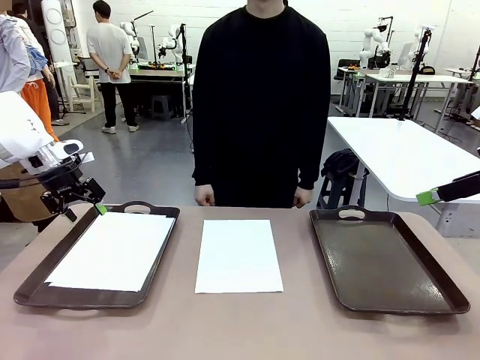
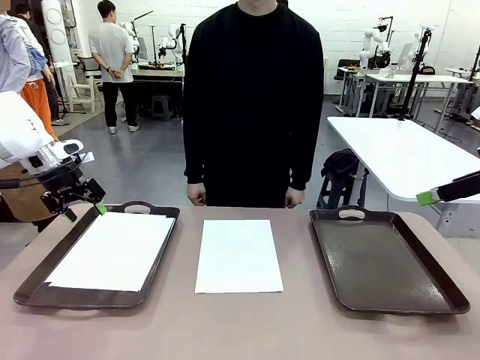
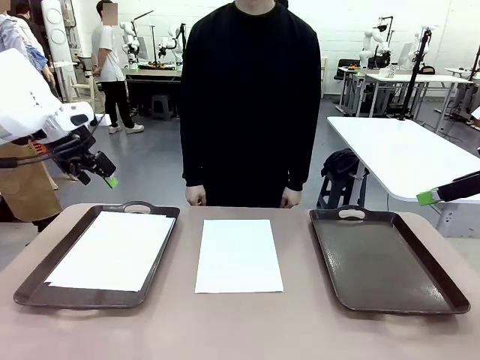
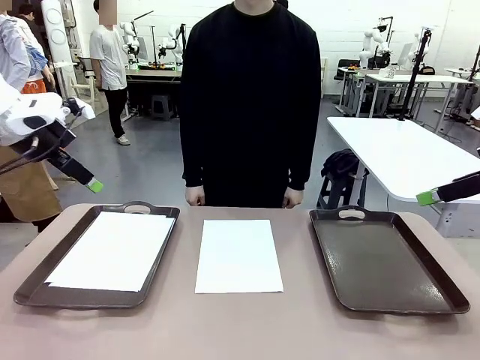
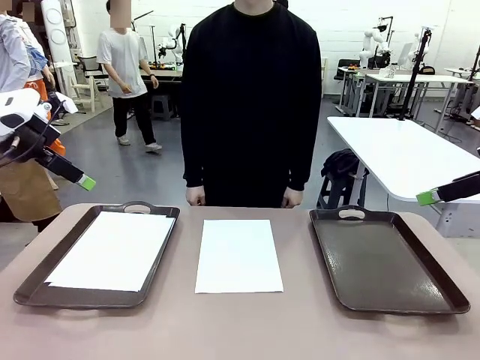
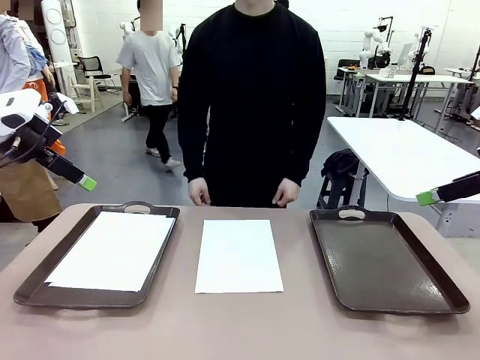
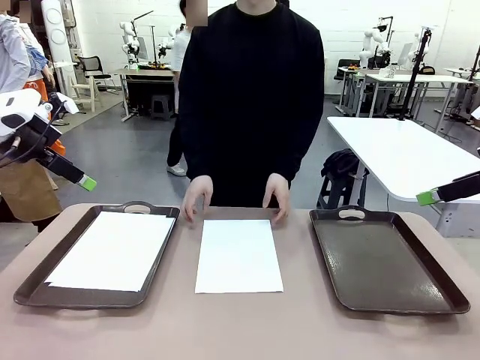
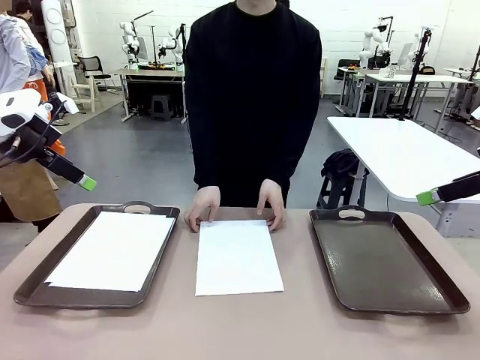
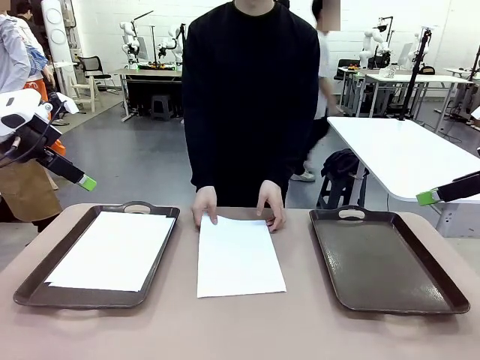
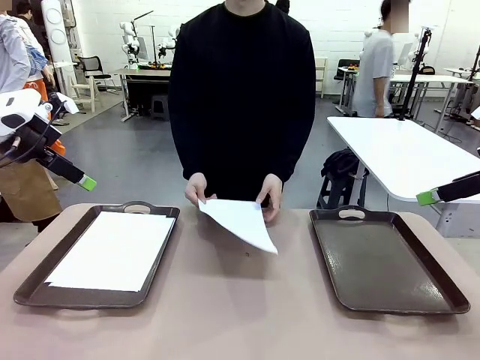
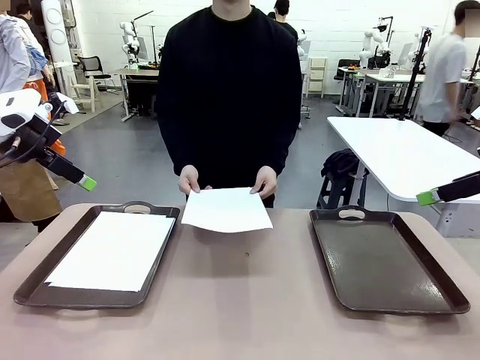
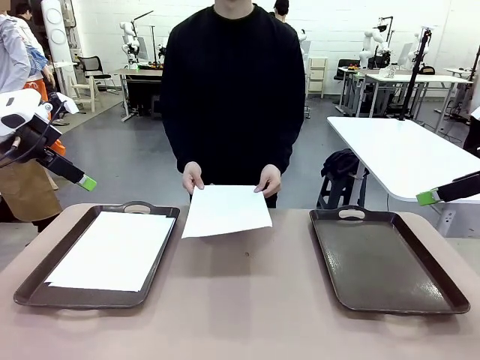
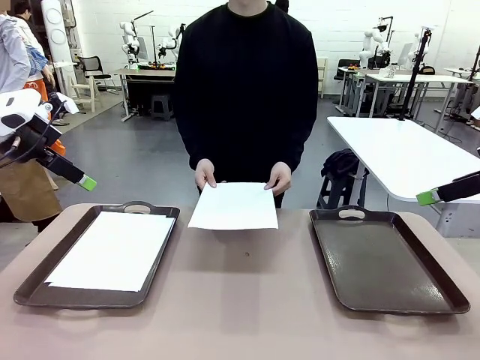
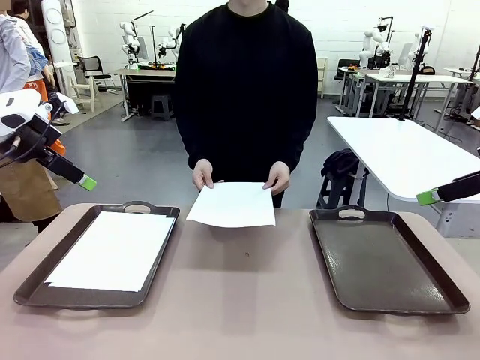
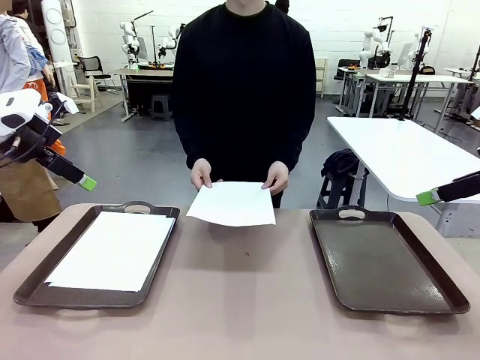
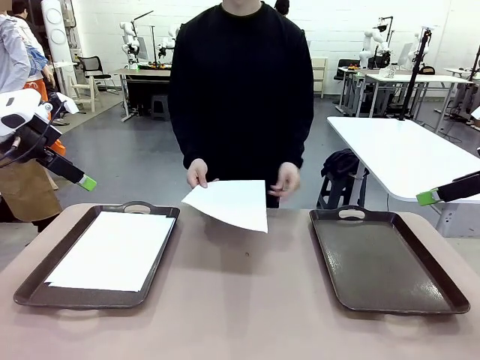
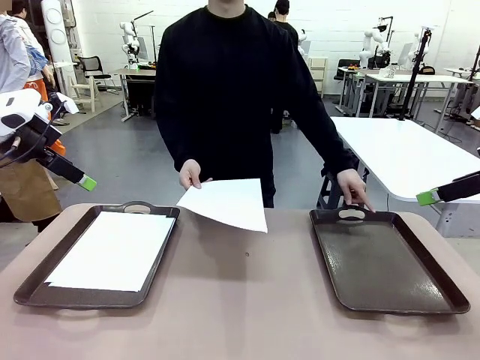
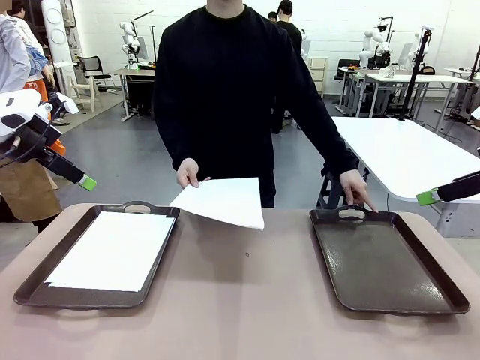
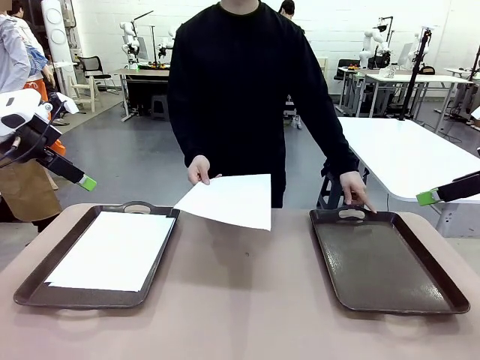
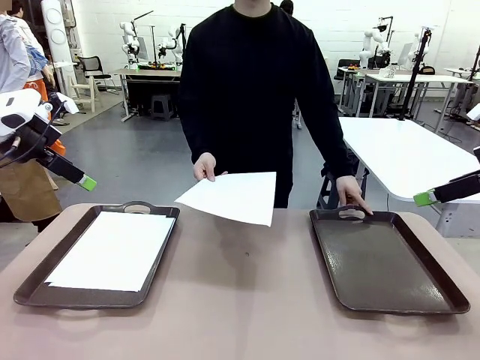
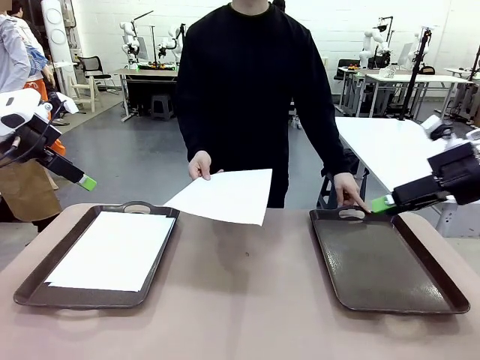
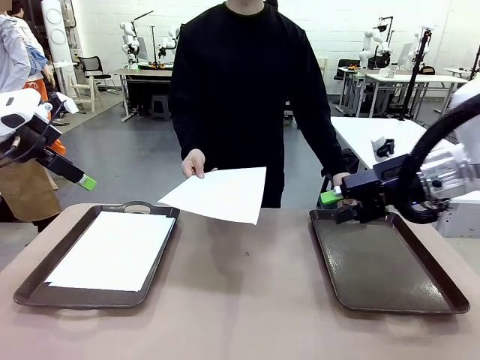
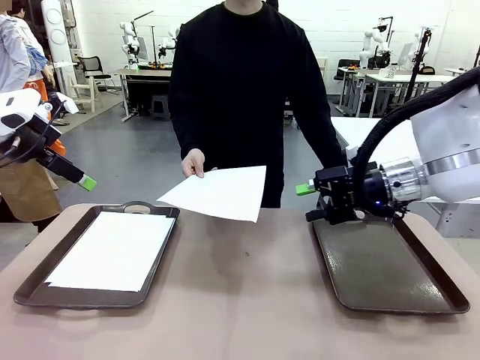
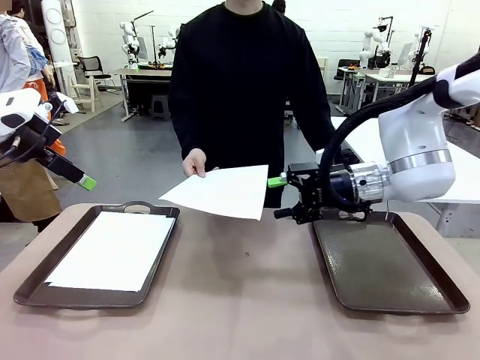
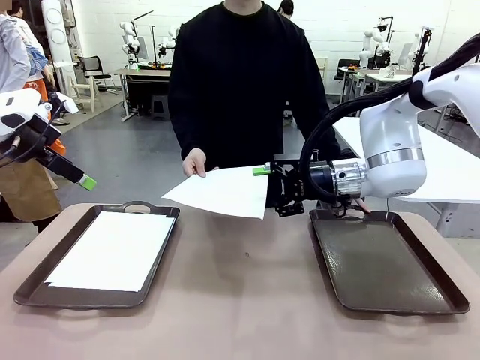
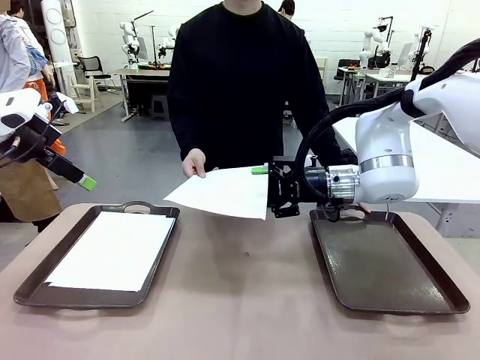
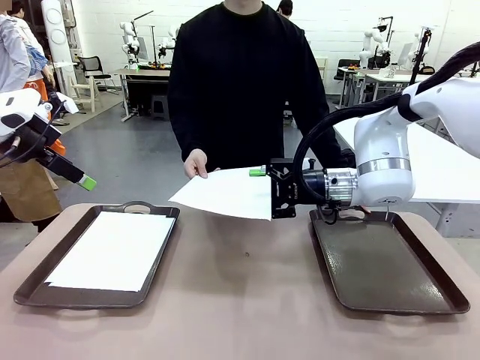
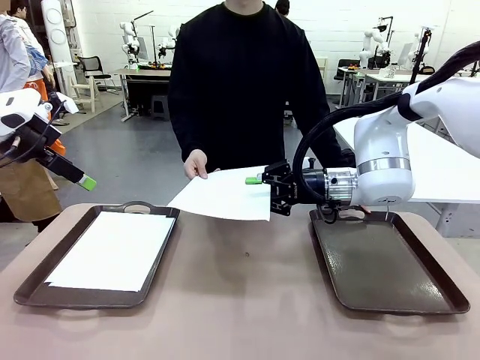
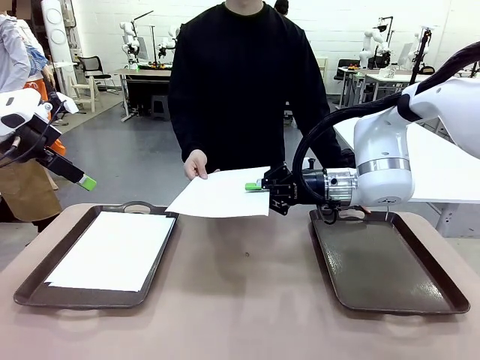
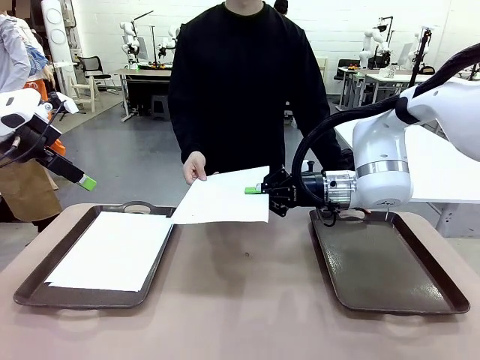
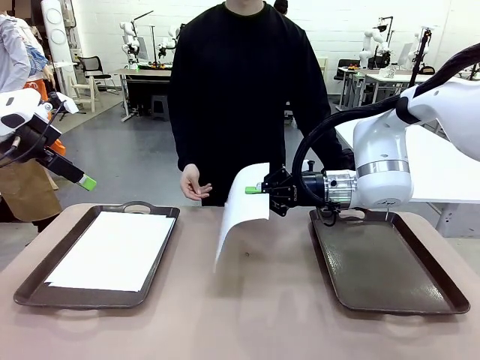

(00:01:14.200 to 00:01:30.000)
Task: Sort the A4 documents.
Robot: Receive the A4 Paper.
Person: Point the randomly selected tray with the other hand.

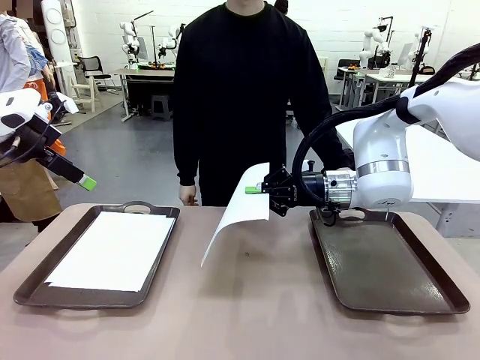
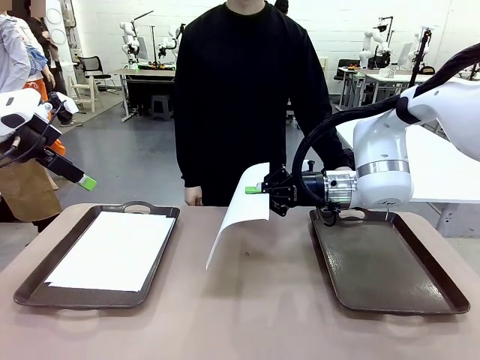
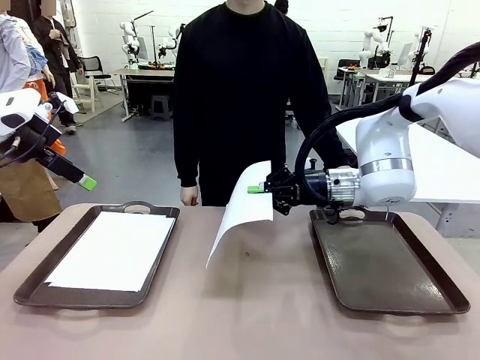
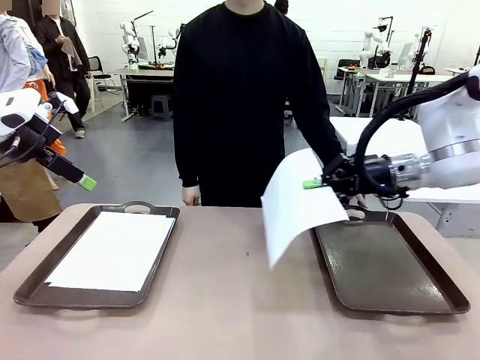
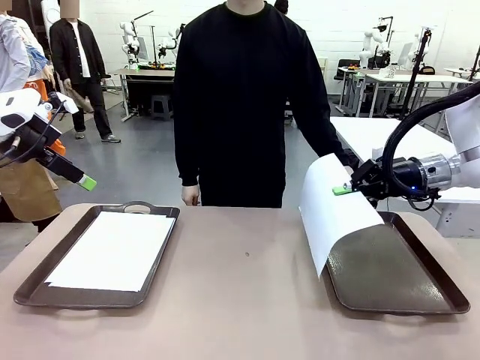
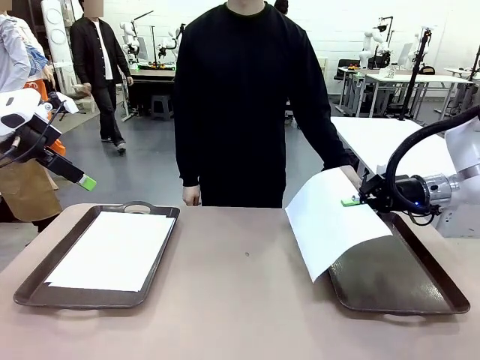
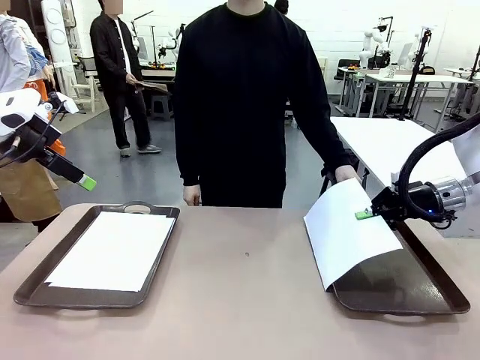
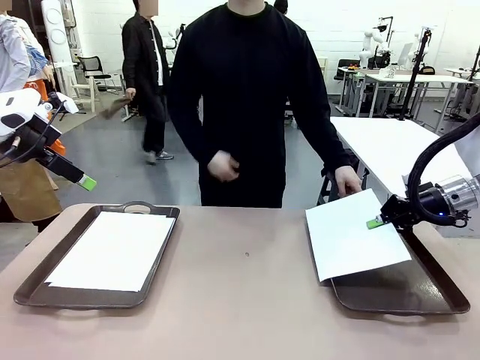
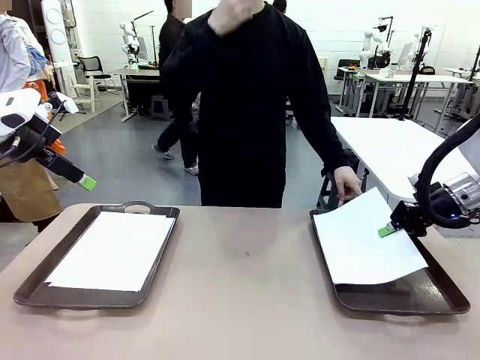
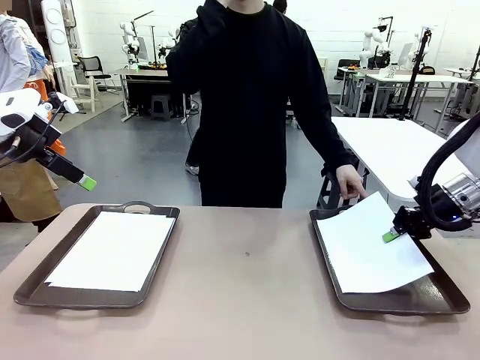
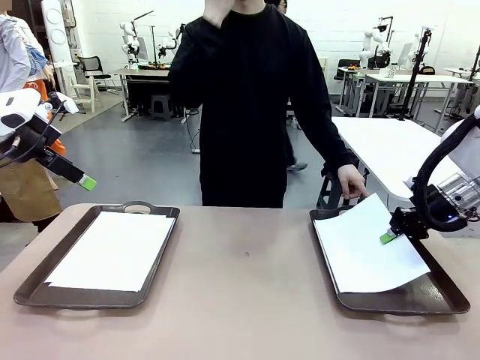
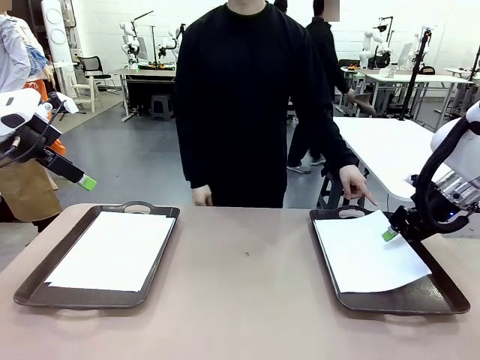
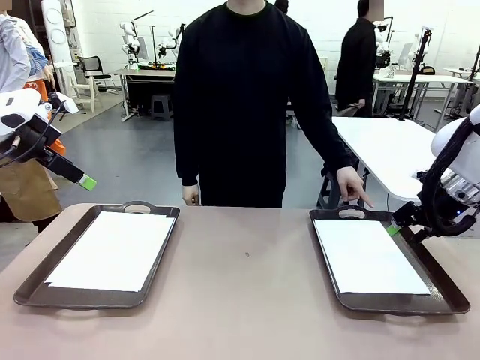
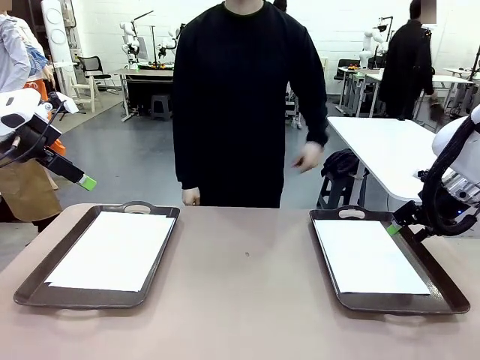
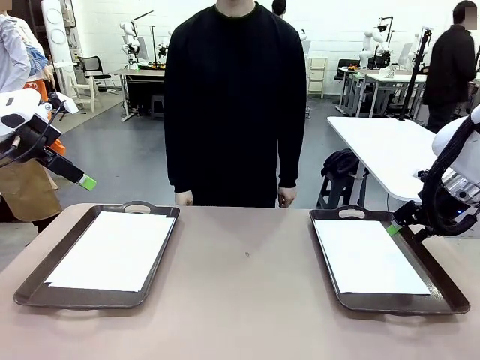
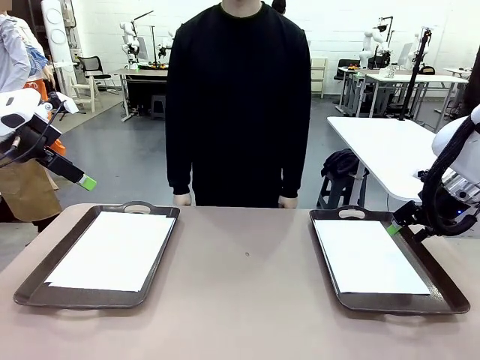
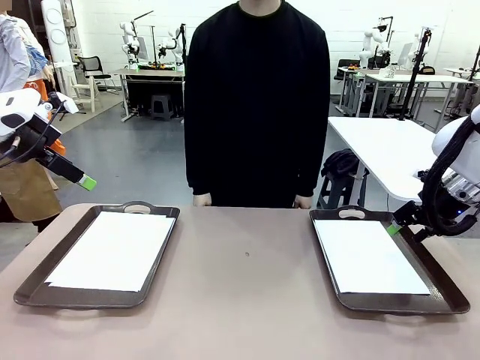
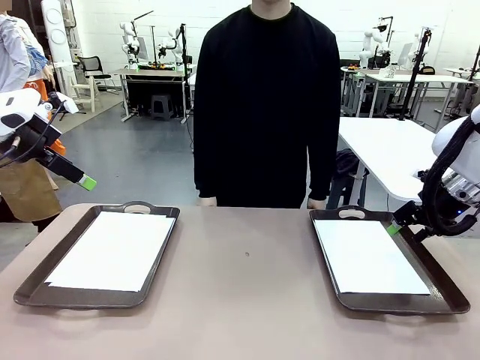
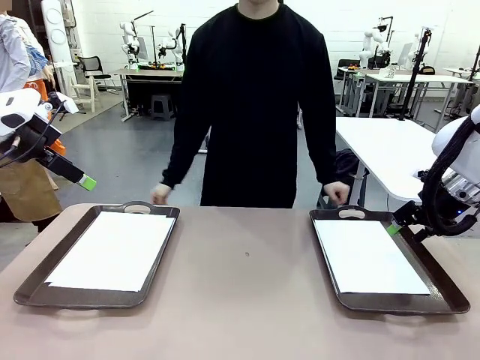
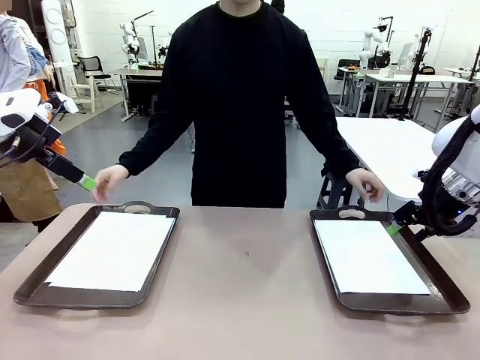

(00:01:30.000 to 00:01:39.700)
Robot: Place the A4 Paper in the designated Handle tray.
